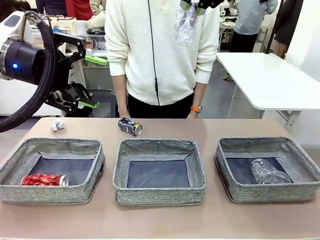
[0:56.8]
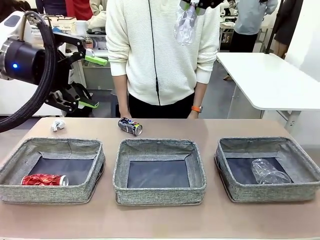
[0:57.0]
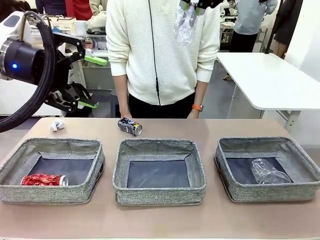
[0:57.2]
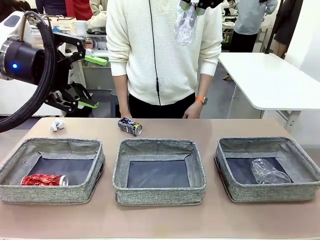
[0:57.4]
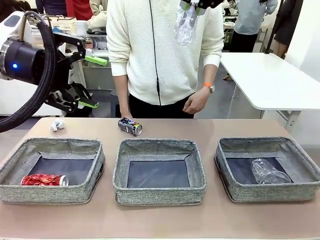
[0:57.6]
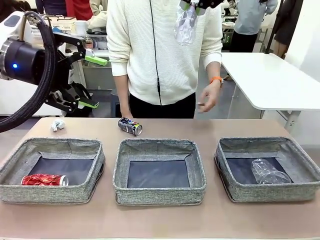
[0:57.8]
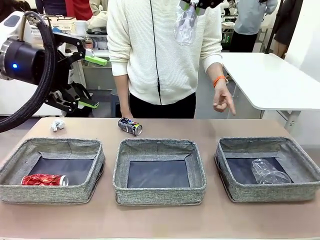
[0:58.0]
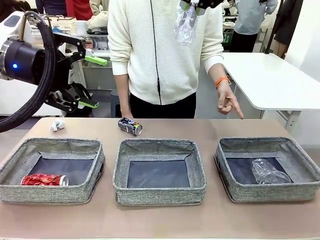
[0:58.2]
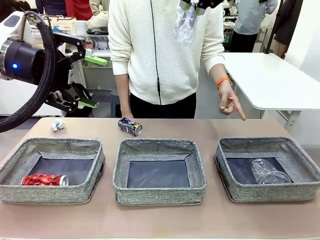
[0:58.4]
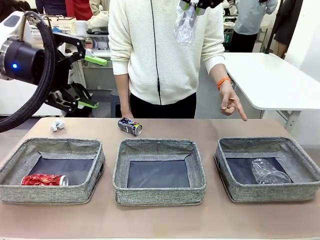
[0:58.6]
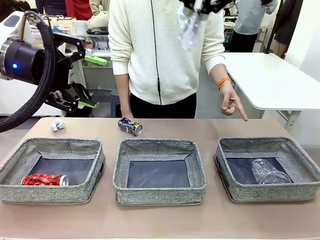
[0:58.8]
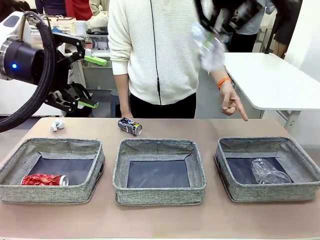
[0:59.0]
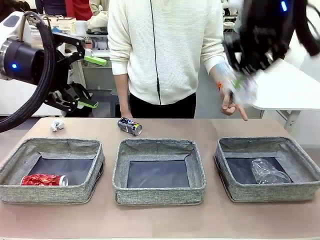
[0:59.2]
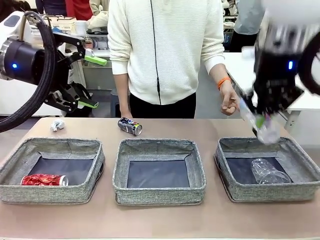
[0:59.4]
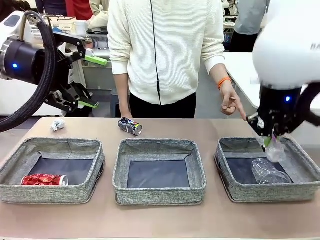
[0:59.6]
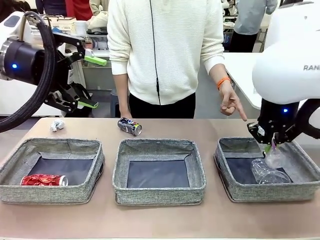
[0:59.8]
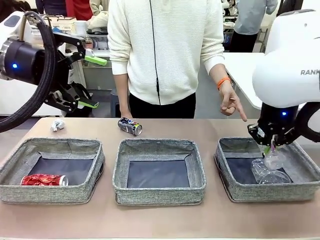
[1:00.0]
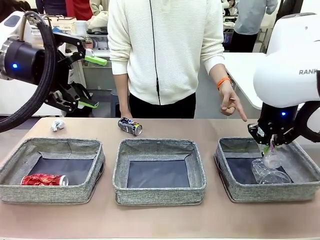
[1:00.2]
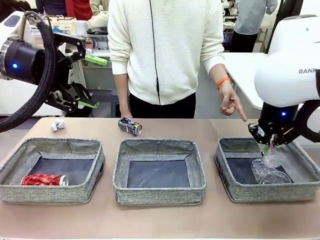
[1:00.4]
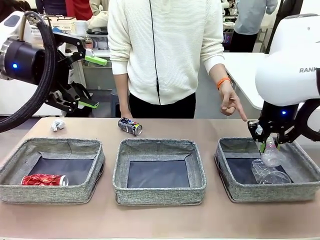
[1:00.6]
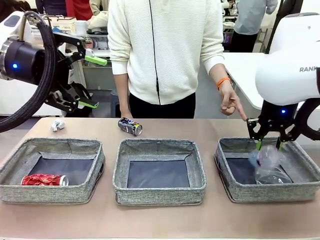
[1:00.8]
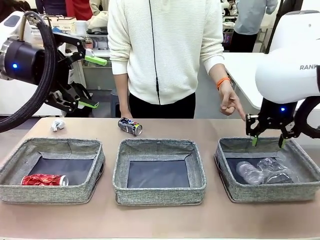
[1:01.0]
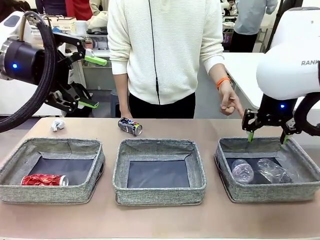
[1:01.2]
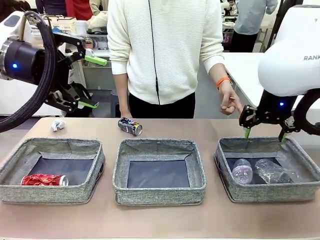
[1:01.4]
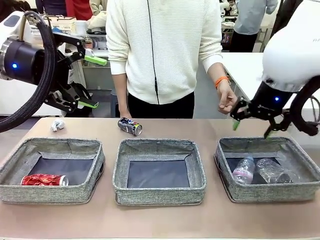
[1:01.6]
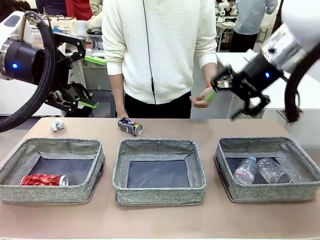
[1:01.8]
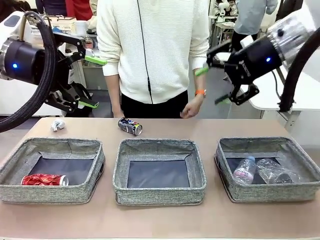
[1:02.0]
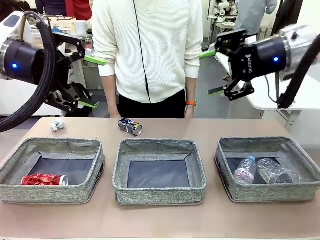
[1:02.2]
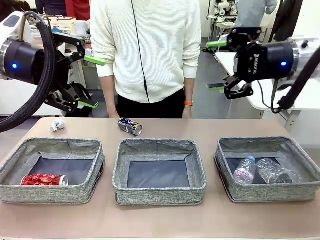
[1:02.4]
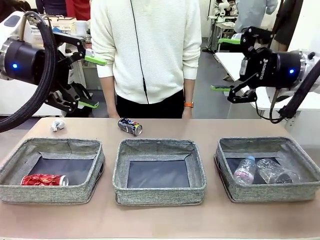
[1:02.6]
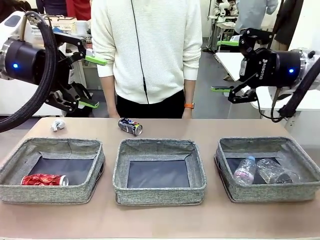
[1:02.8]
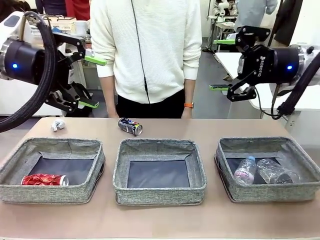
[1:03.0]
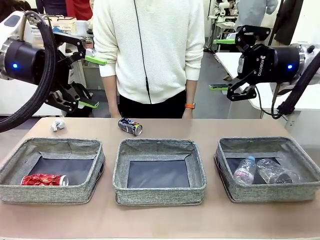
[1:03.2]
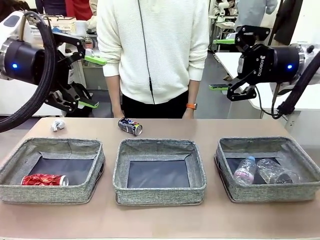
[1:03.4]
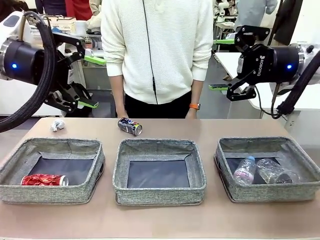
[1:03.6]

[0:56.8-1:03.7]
Task: Sort the waste into the appropriate baskets.
Robot: Place the picked waste into the Fabric basket indicated by the person.
Person: Instructs the robot to place the picked-up trash into the appropriate organizing basket.

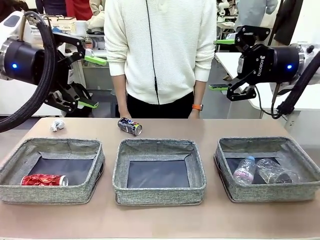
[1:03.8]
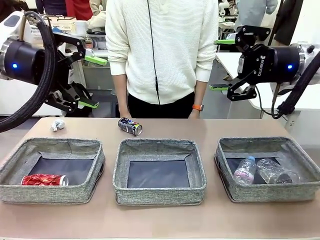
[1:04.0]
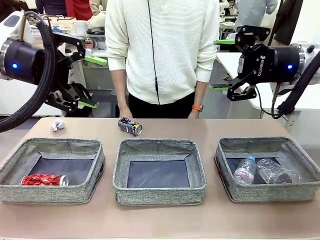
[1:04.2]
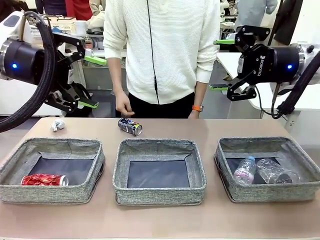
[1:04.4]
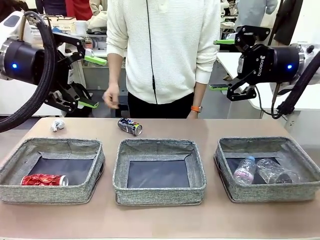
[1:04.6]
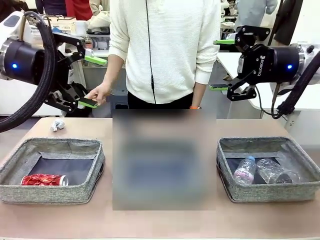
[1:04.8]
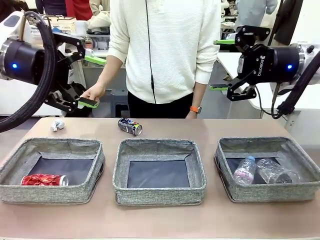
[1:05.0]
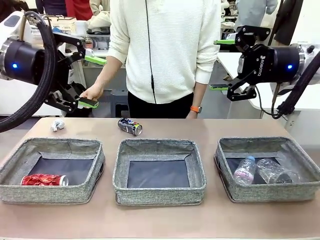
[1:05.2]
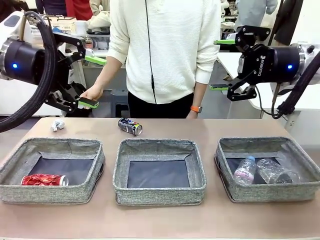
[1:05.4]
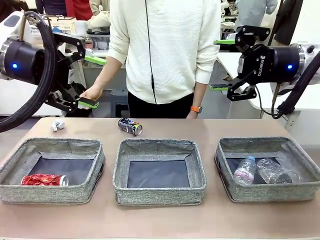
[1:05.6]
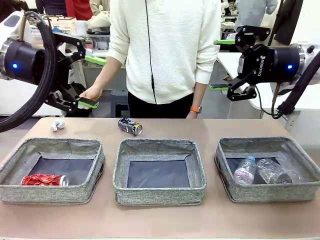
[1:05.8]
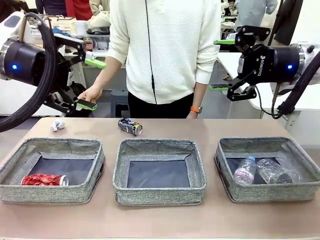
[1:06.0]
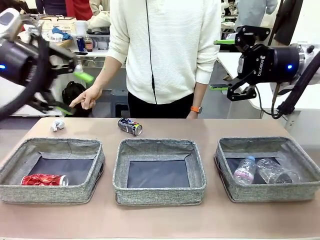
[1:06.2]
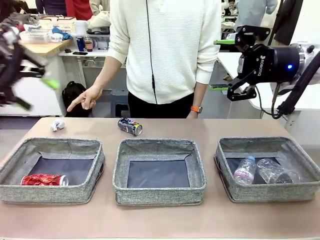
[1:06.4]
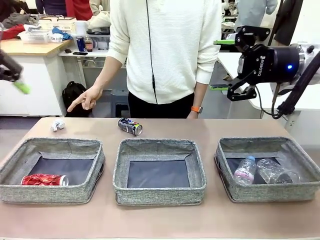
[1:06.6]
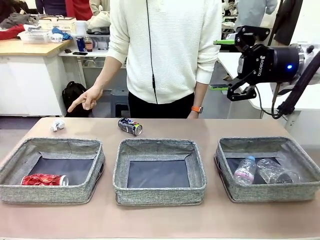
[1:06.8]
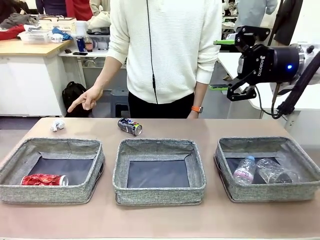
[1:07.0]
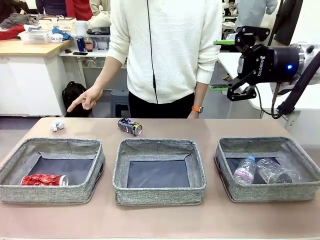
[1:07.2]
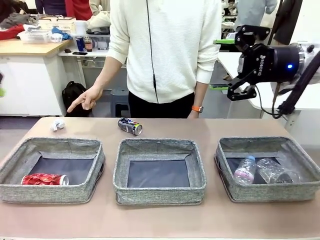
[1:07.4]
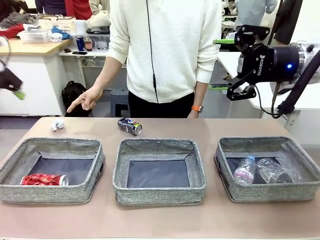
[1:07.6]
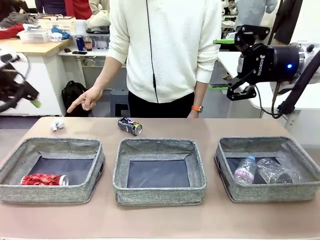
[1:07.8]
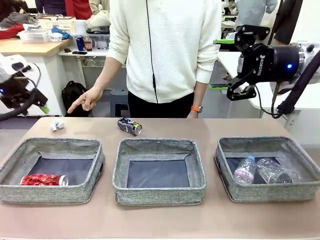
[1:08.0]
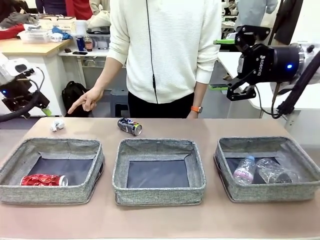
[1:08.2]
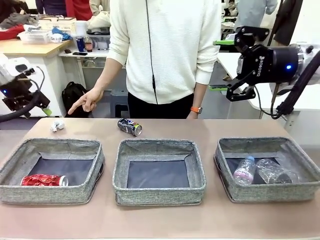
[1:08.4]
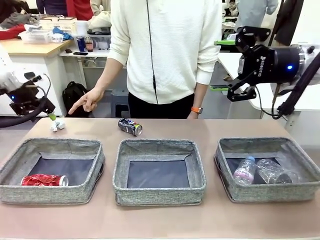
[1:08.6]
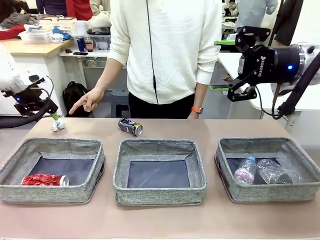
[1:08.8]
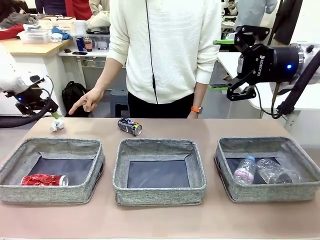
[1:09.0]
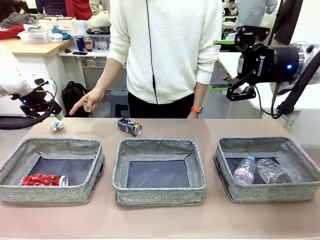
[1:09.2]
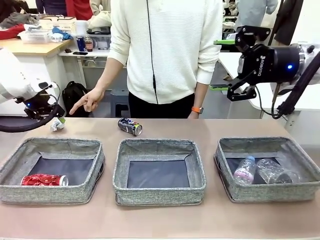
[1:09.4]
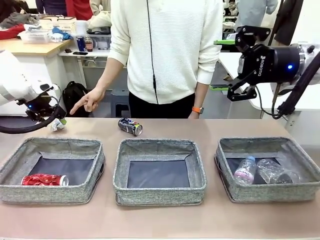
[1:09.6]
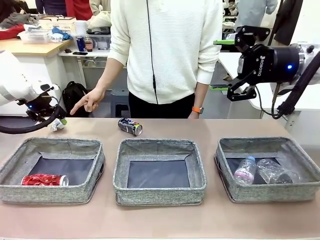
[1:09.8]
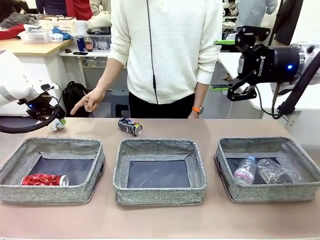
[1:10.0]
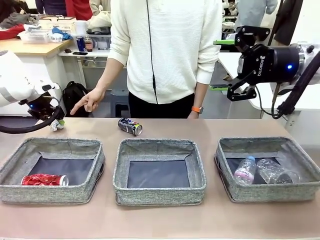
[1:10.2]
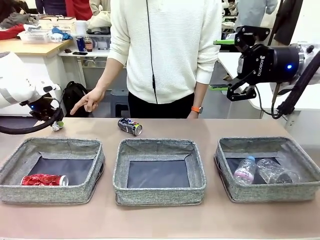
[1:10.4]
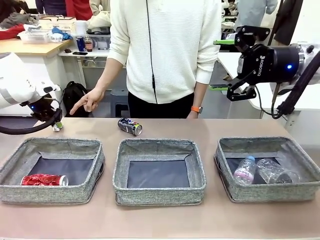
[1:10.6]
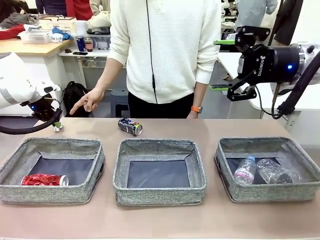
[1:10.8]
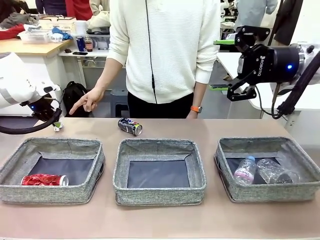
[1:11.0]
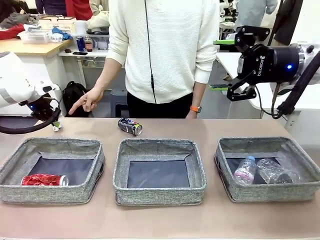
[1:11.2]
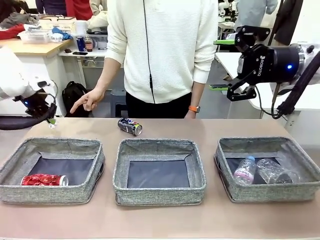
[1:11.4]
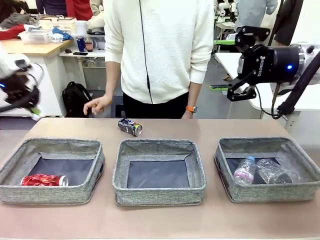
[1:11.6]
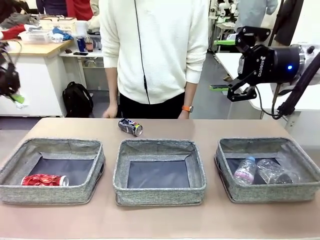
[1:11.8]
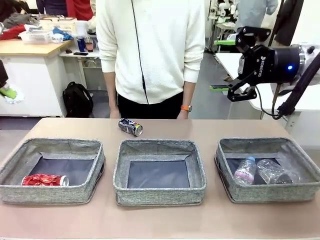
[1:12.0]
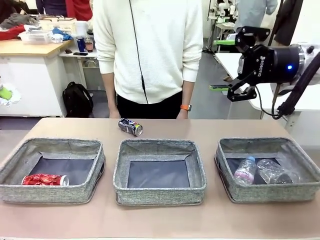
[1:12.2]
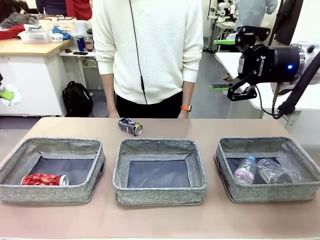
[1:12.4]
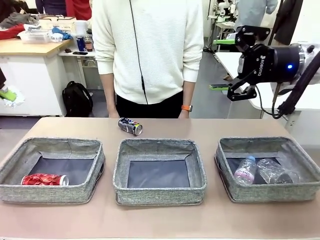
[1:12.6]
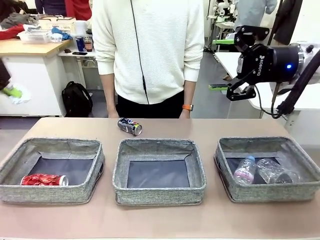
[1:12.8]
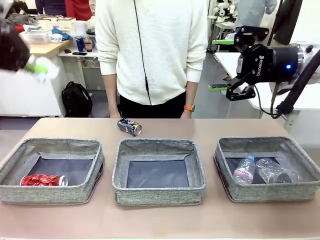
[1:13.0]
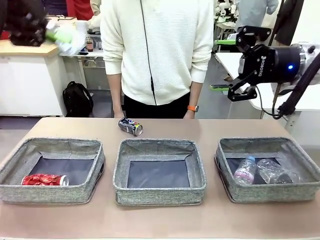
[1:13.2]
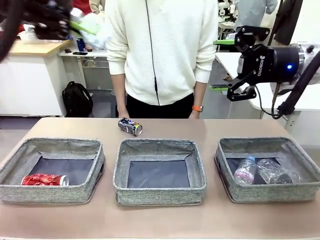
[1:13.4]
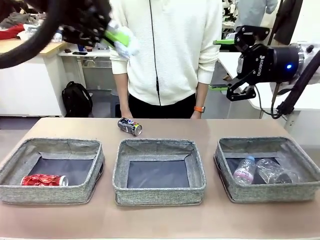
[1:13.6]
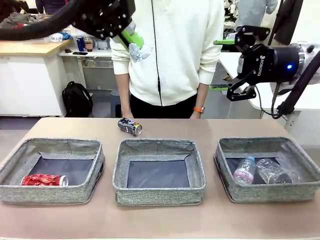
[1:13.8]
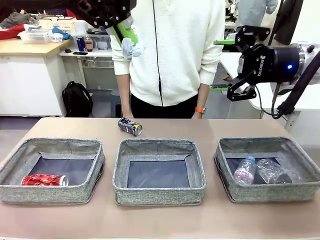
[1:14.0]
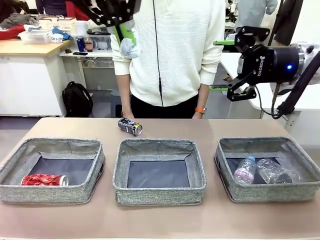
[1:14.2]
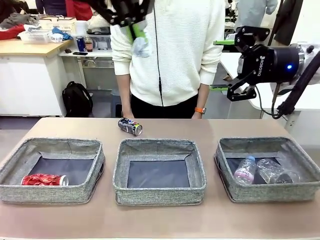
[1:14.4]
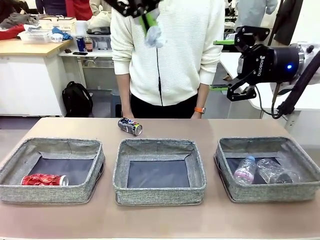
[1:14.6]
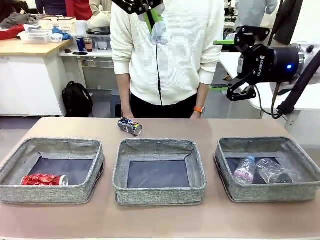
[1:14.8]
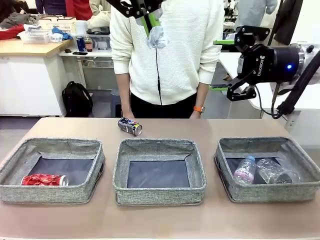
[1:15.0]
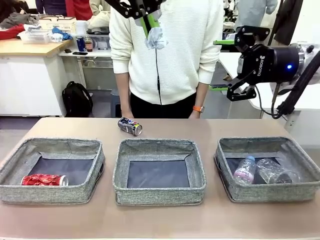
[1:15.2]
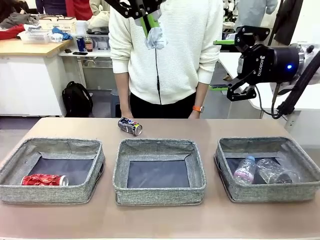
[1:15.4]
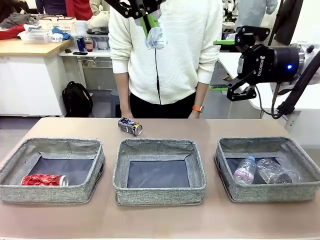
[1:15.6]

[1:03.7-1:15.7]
Robot: Pick up the waste item pointed out by the person.
Person: Points to one piece of trash on the table.

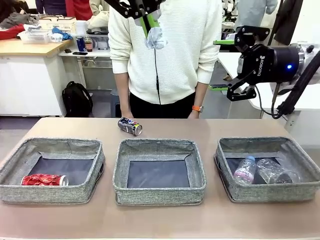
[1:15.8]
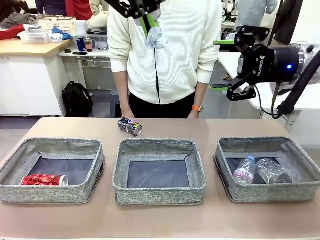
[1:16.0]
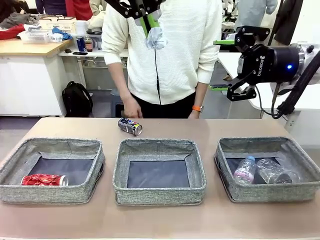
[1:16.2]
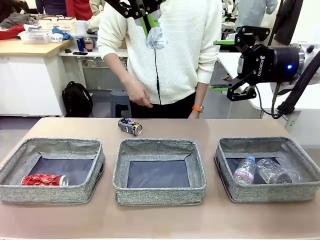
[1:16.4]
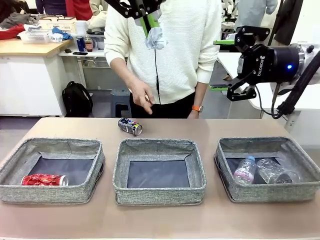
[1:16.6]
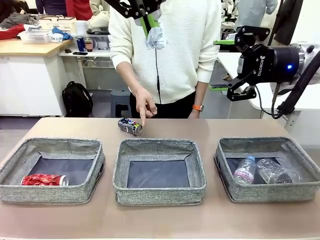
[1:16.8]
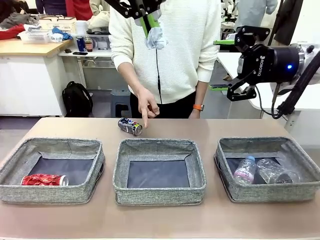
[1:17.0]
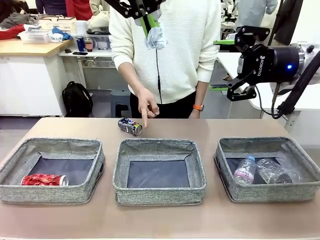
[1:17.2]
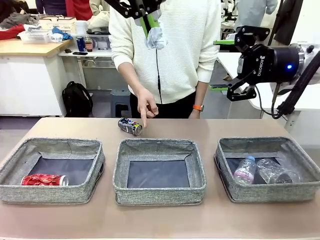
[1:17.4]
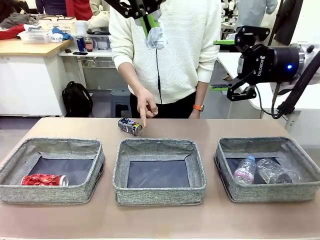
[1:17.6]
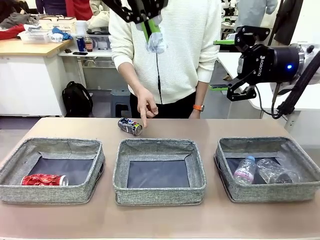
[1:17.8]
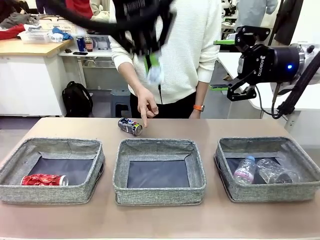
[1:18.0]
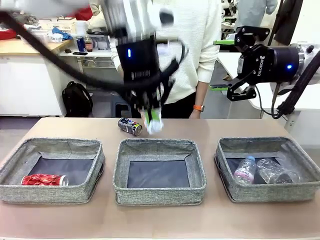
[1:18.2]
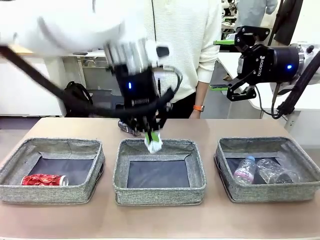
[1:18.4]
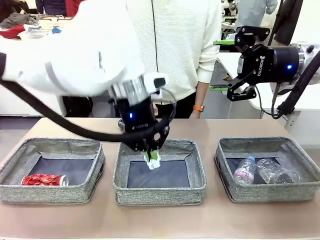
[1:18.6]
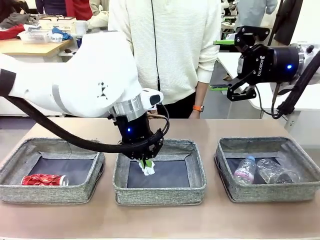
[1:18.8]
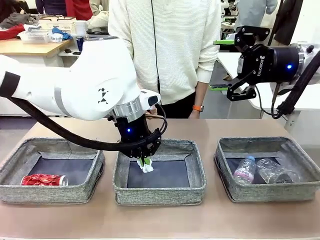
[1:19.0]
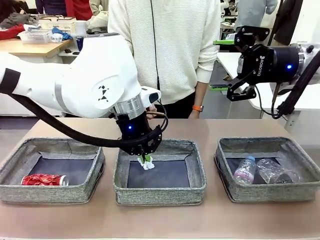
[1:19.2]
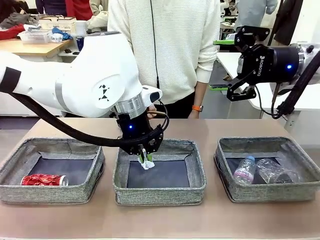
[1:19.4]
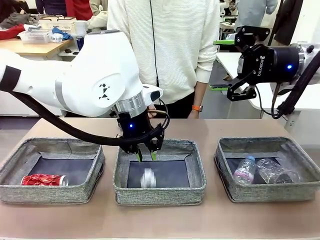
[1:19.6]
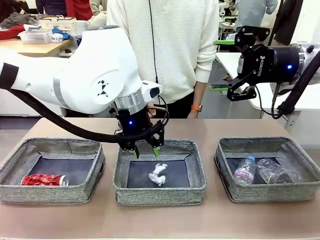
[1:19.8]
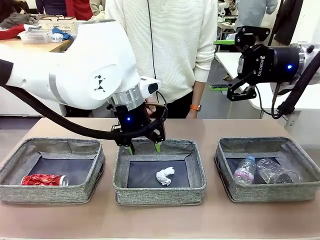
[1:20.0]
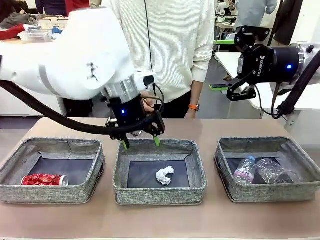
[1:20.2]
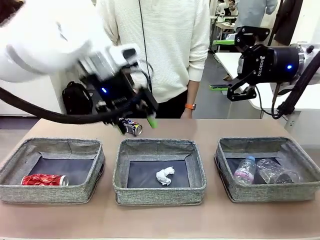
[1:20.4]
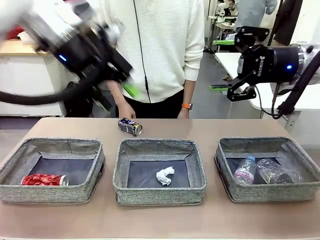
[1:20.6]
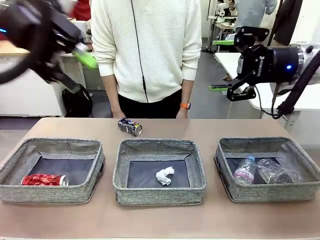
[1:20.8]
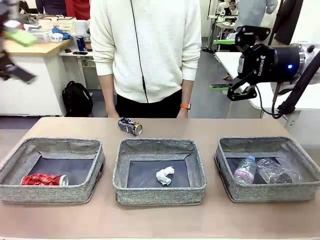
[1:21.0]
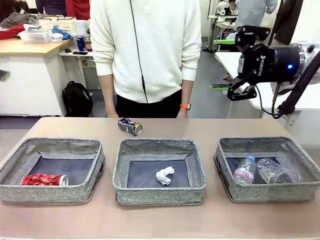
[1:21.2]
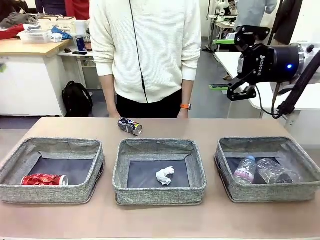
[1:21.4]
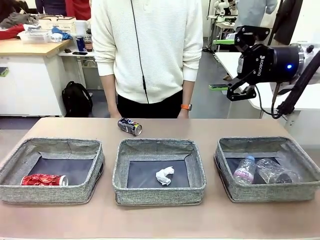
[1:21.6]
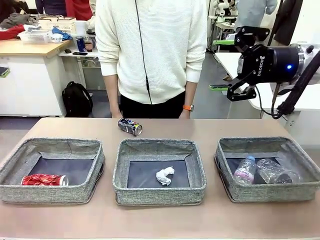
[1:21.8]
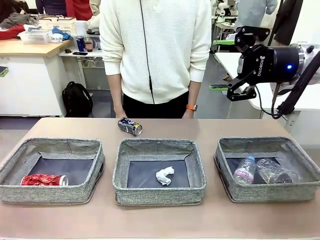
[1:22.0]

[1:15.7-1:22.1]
Robot: Place the picked waste into the Fabric basket indicated by the person.
Person: Instructs the robot to place the picked-up trash into the appropriate organizing basket.
